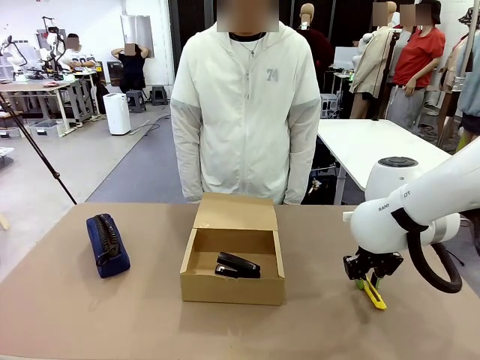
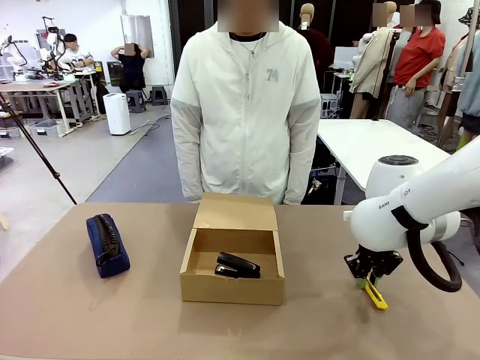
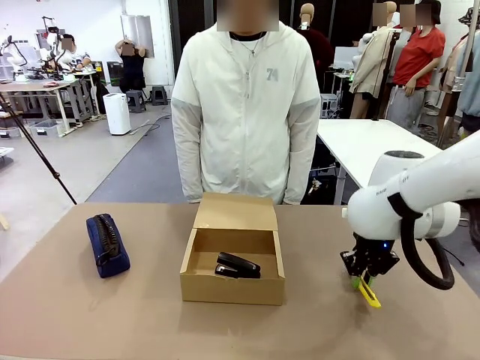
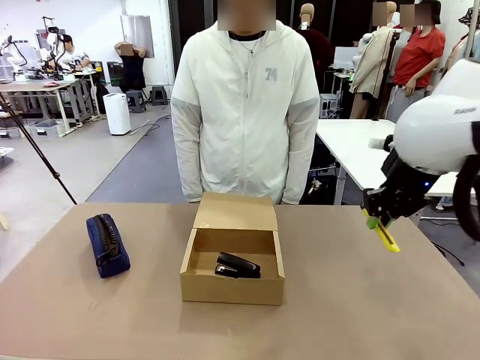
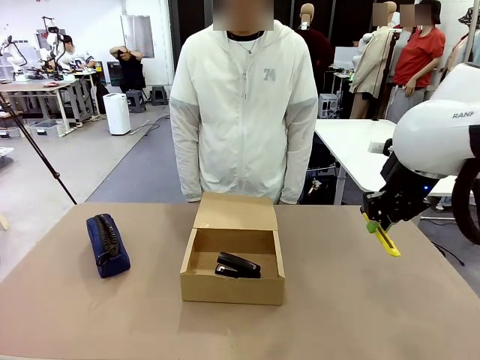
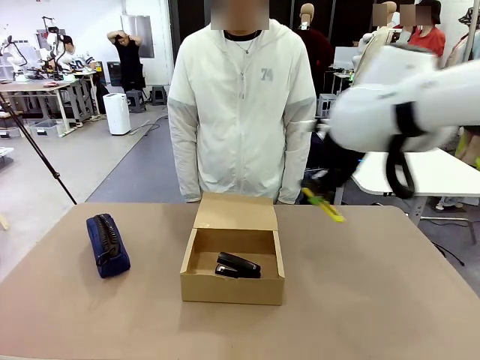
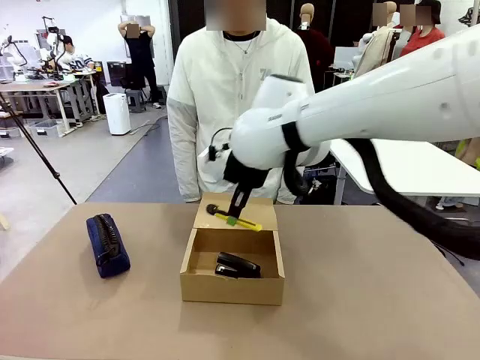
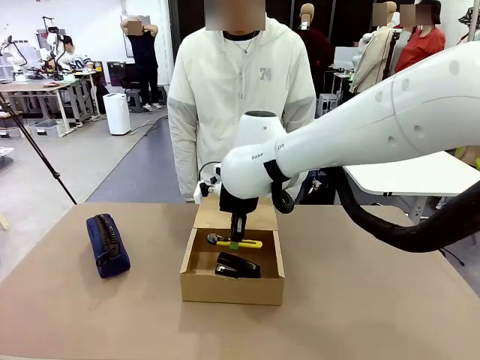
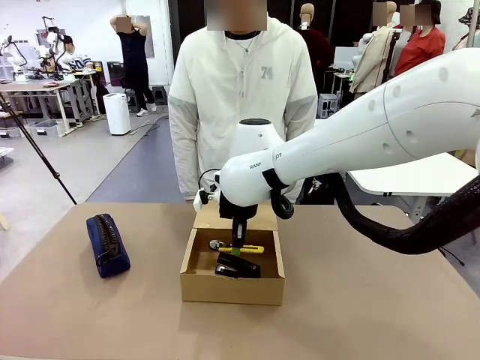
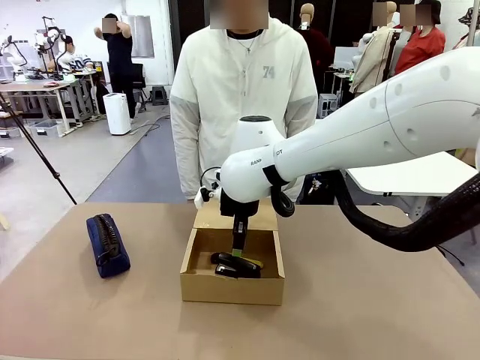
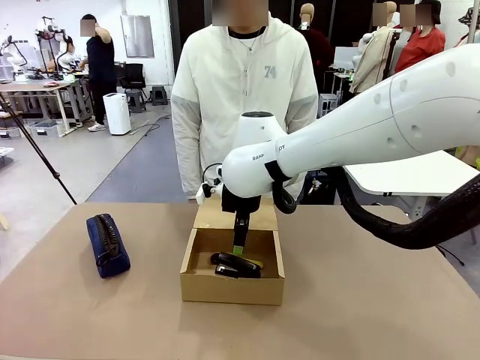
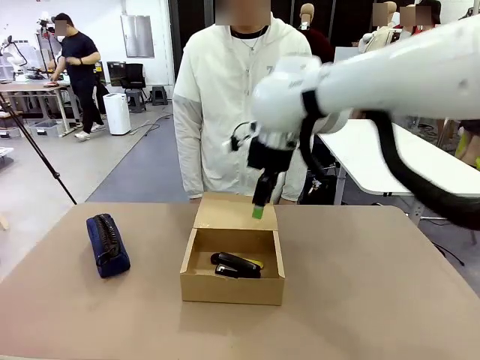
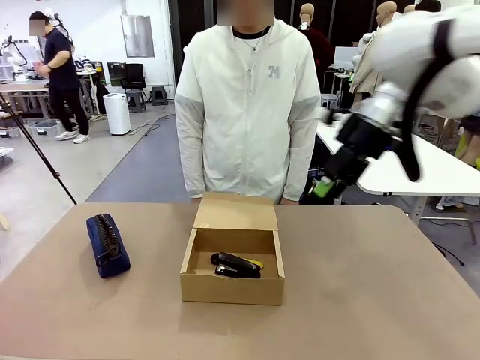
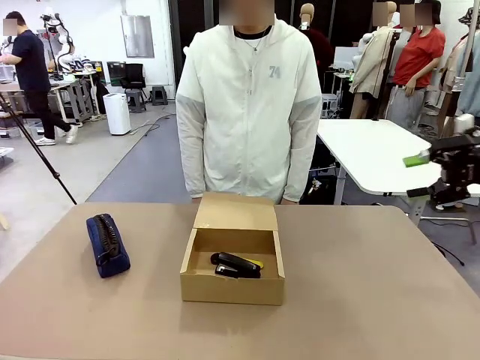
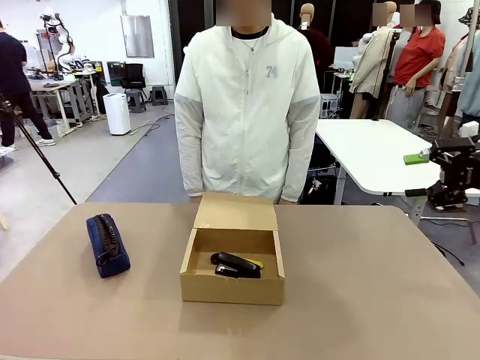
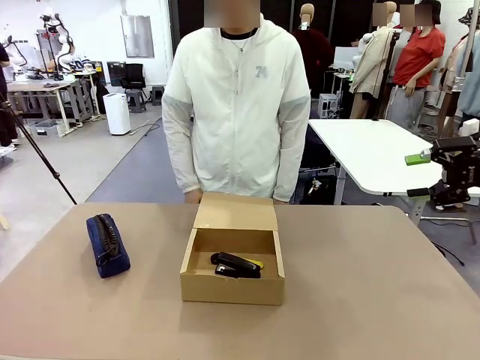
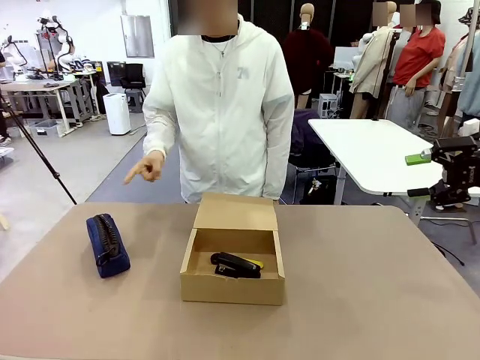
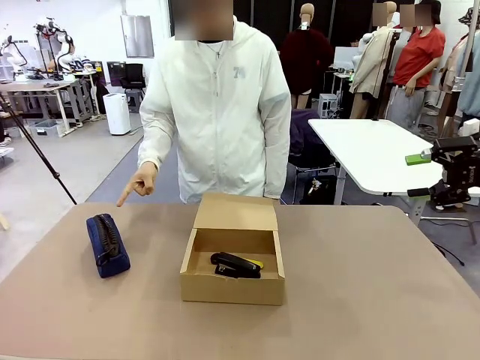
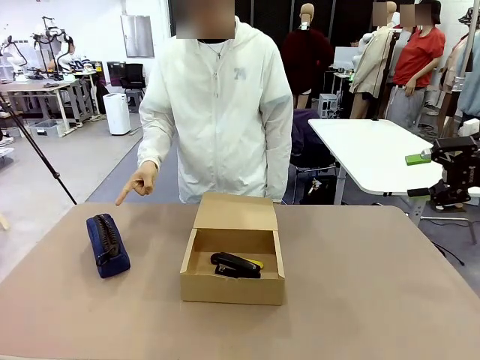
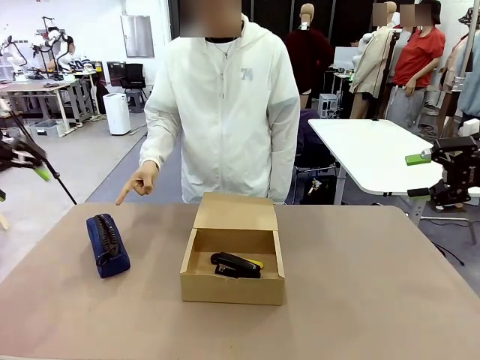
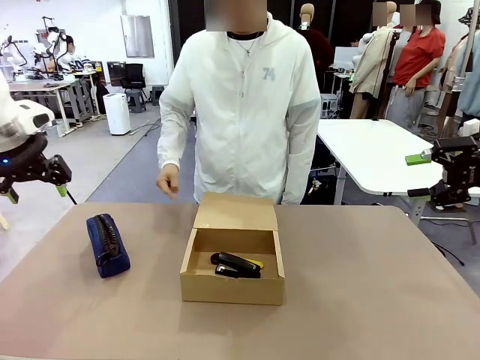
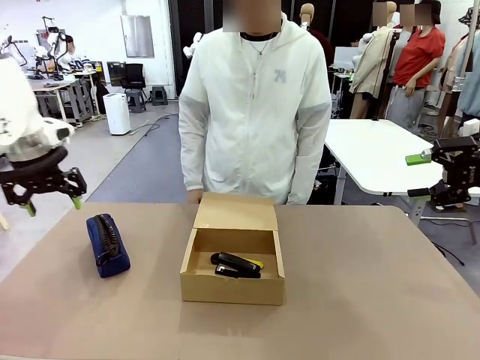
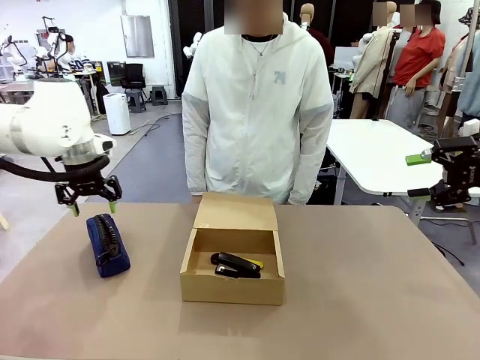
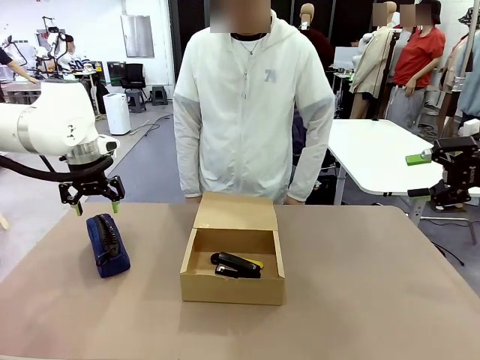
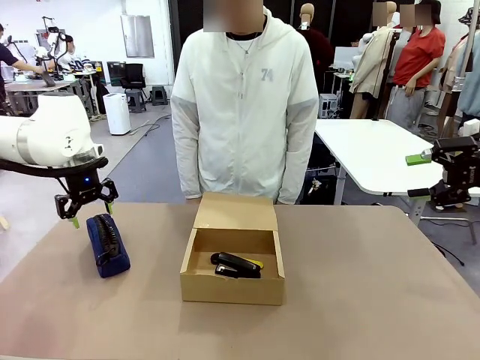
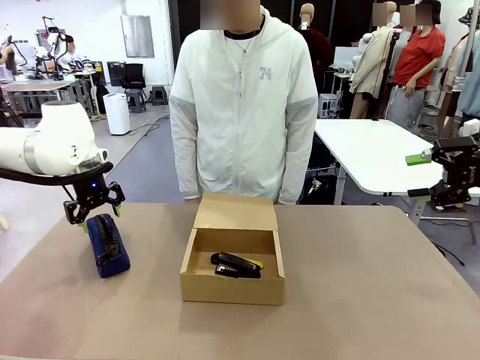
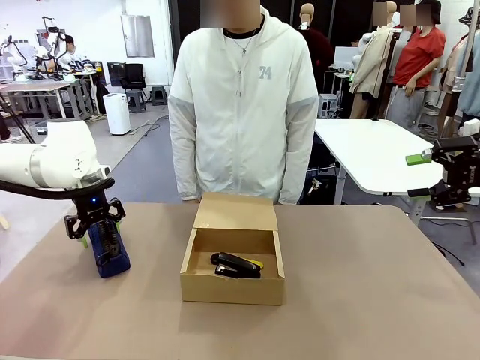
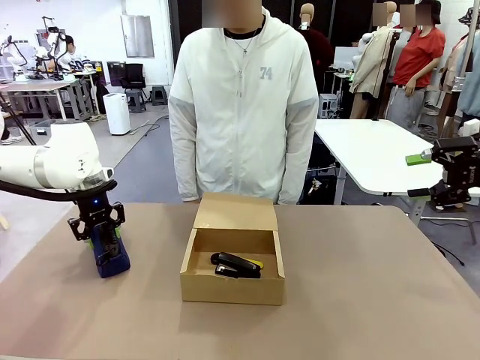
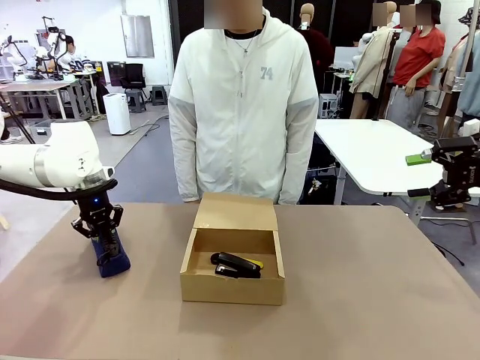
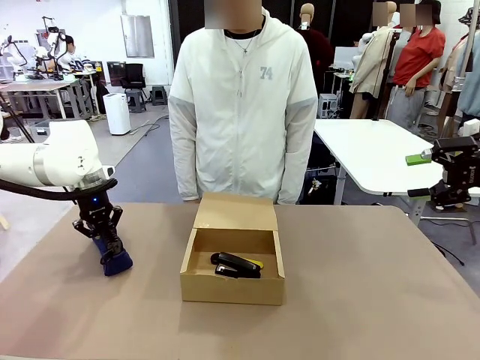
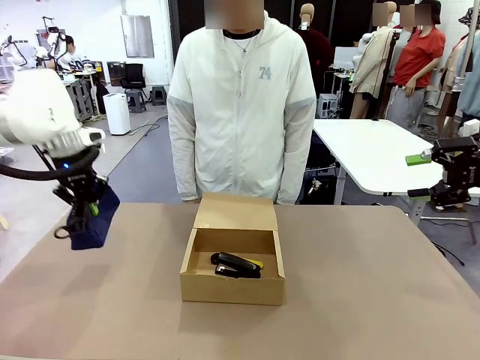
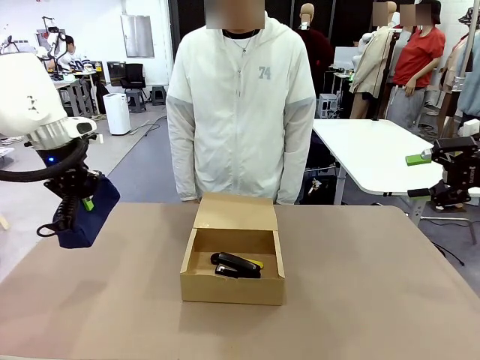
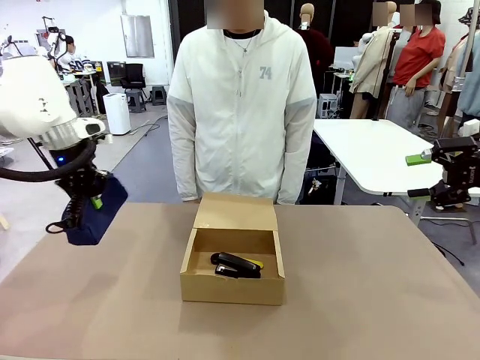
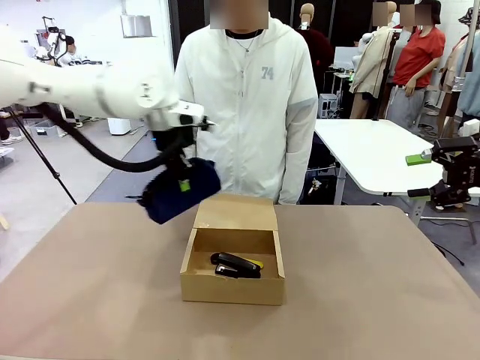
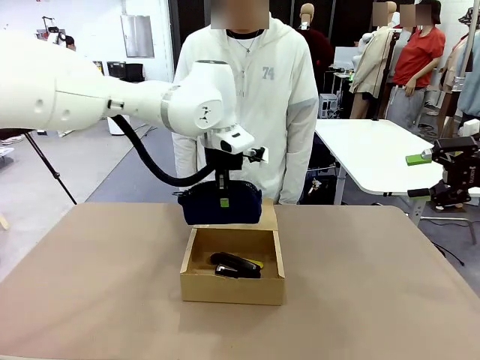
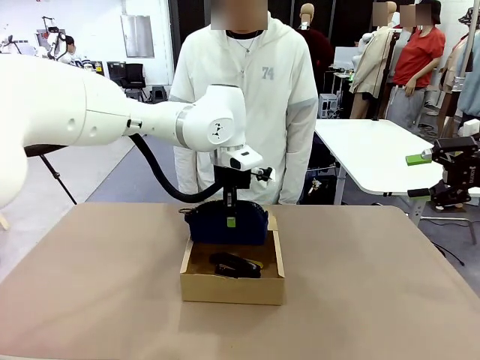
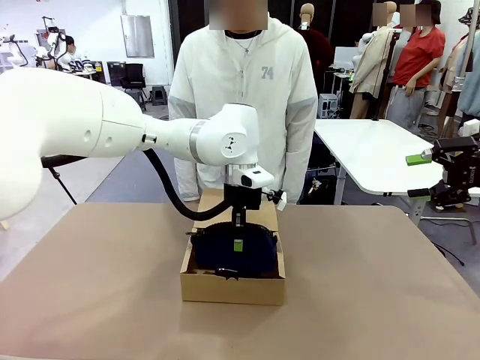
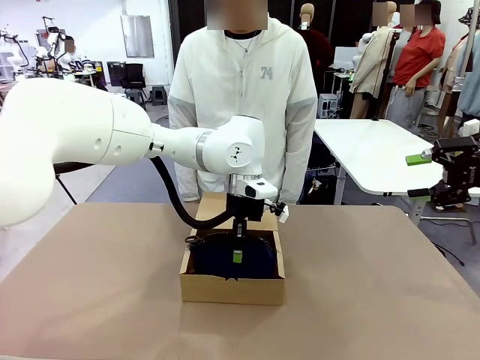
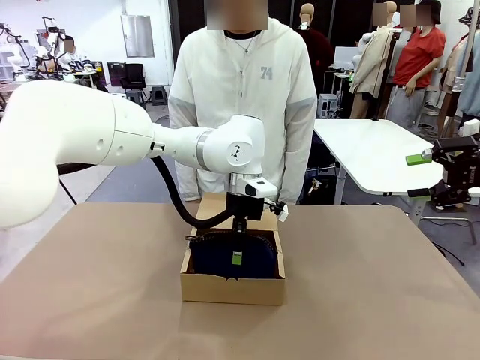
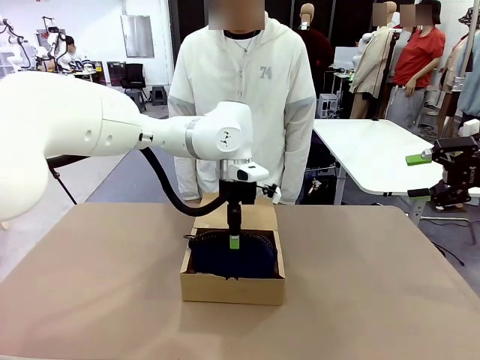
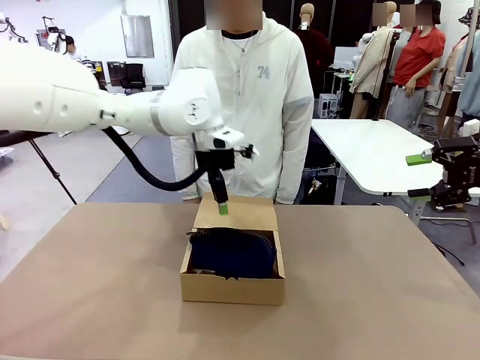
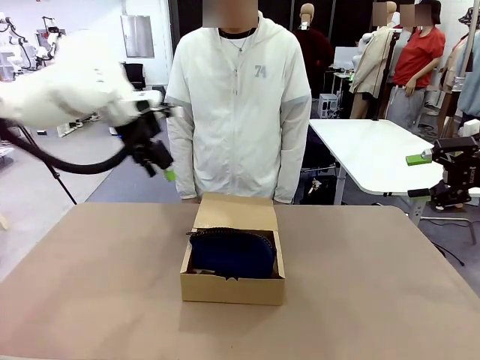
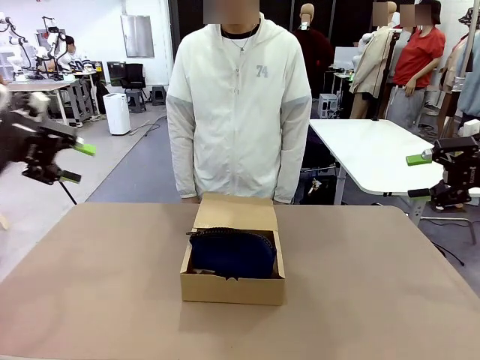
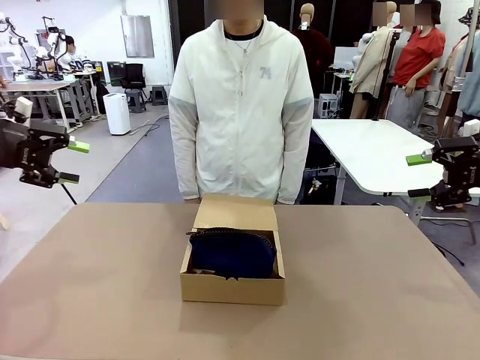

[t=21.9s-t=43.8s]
Task: Pack the items into the box.
Robot: Pick up the item indicated by the person and place it inside the Mailer Box.
Person: Lower both hands vertically with palms facing downward, as if pressing something closed.
